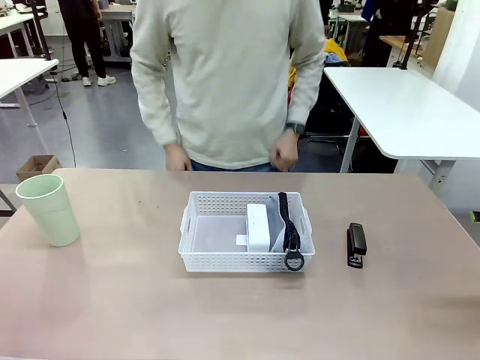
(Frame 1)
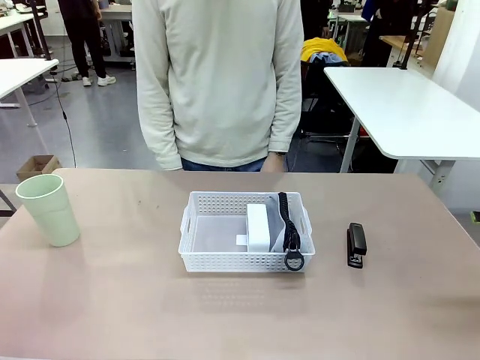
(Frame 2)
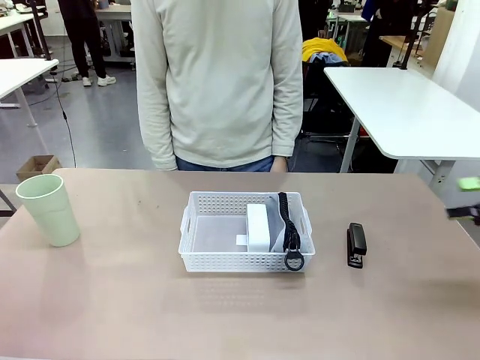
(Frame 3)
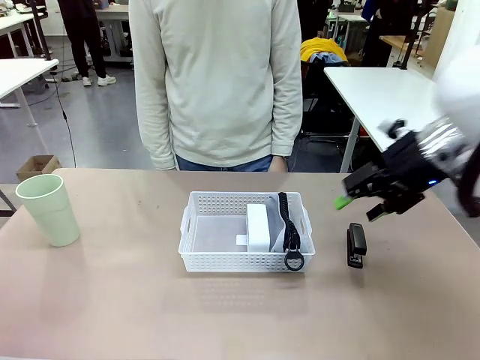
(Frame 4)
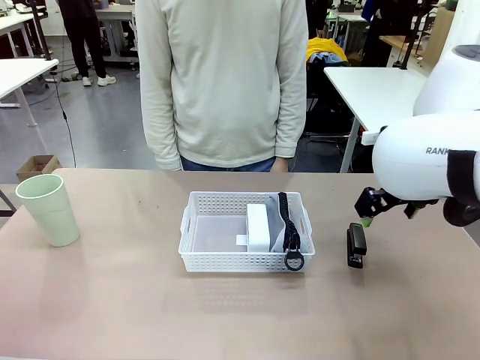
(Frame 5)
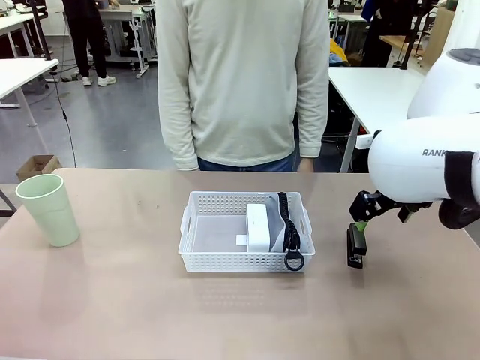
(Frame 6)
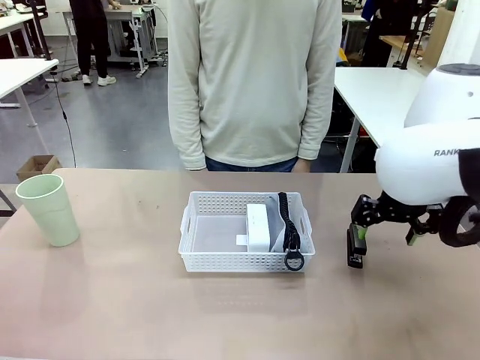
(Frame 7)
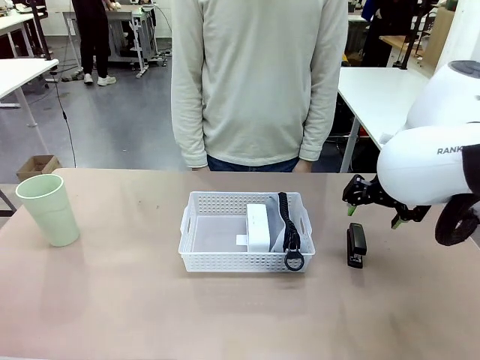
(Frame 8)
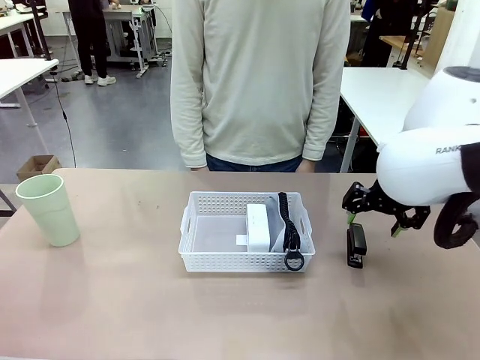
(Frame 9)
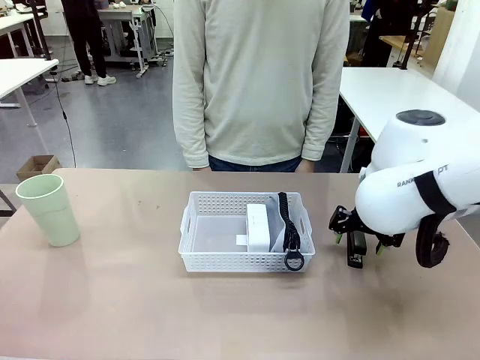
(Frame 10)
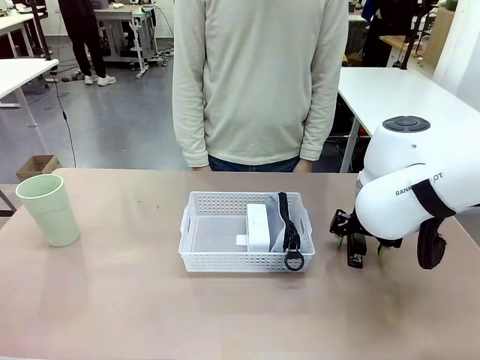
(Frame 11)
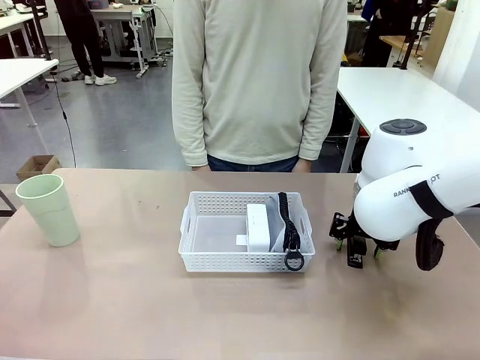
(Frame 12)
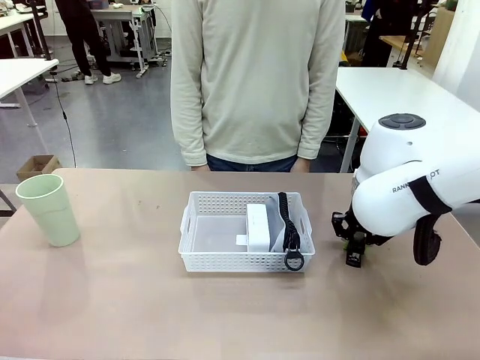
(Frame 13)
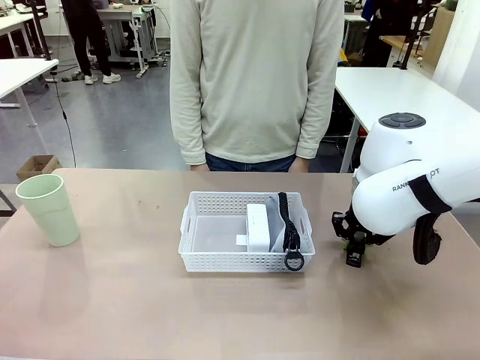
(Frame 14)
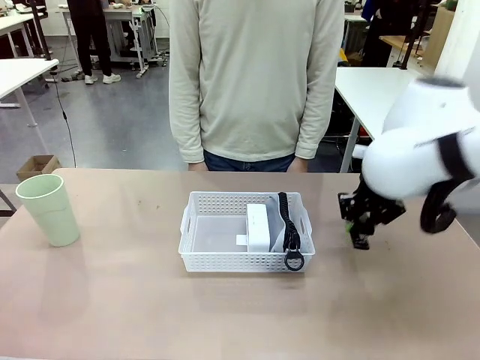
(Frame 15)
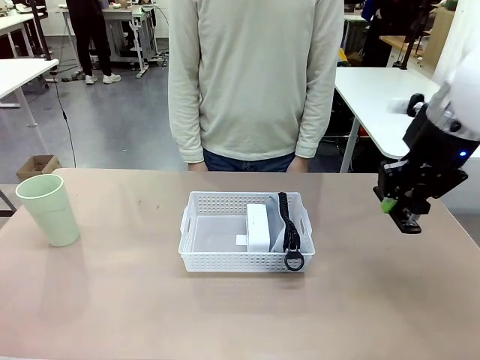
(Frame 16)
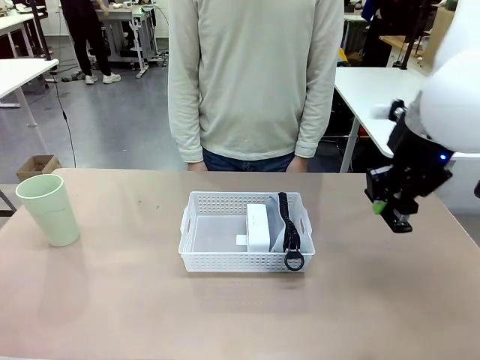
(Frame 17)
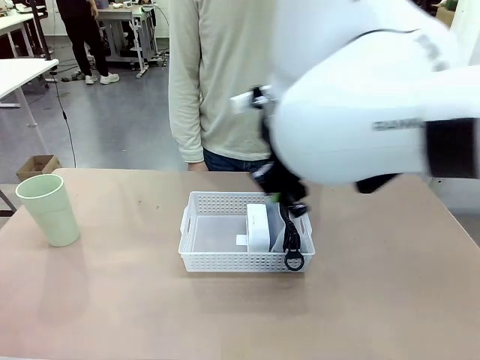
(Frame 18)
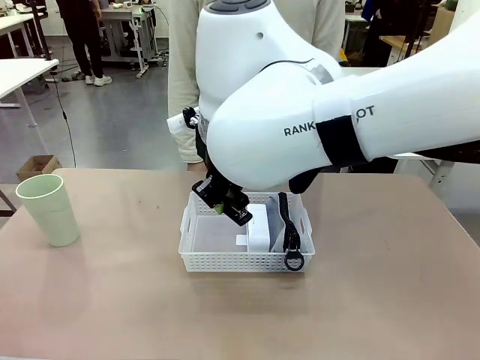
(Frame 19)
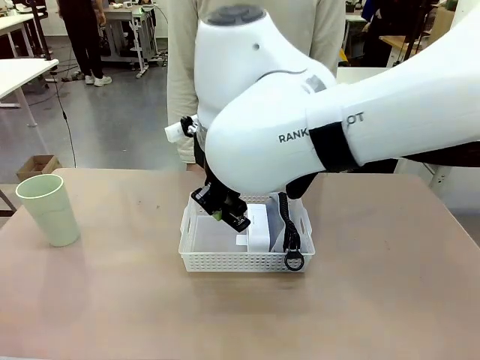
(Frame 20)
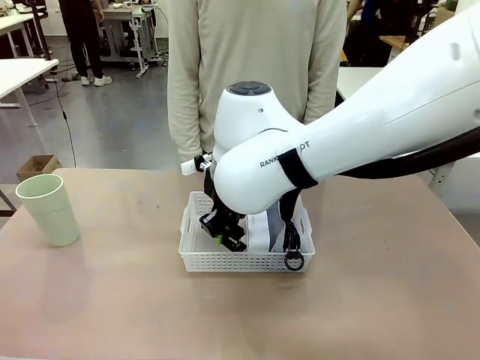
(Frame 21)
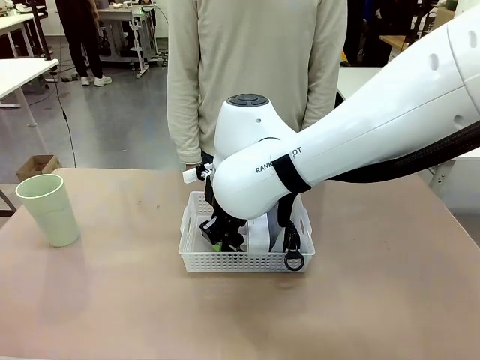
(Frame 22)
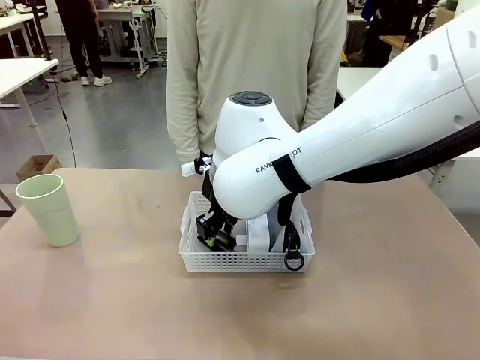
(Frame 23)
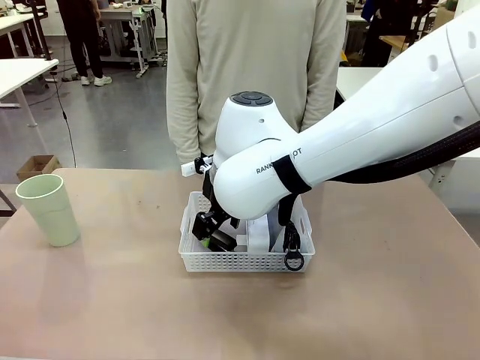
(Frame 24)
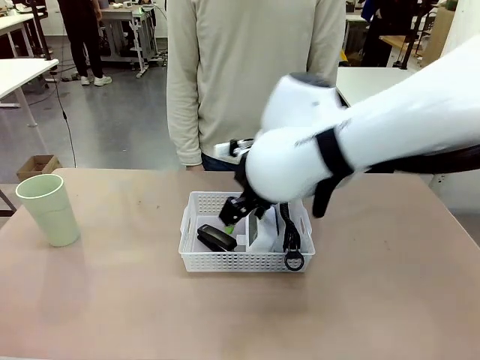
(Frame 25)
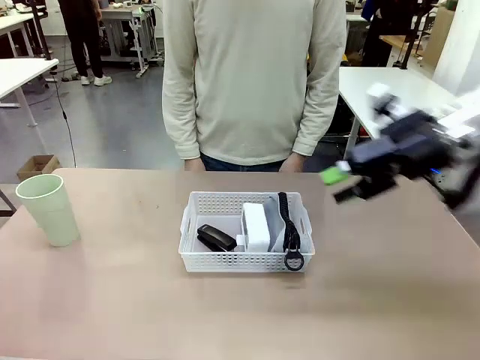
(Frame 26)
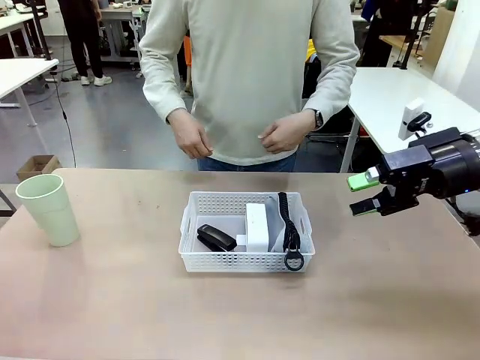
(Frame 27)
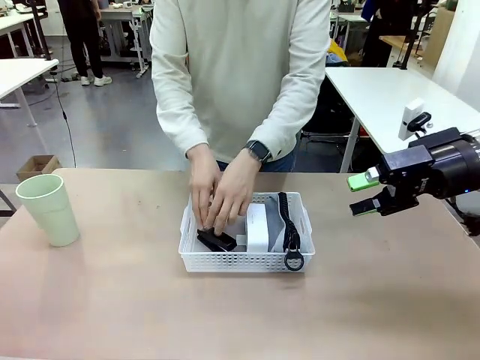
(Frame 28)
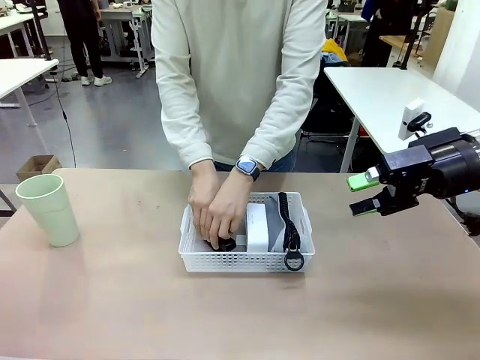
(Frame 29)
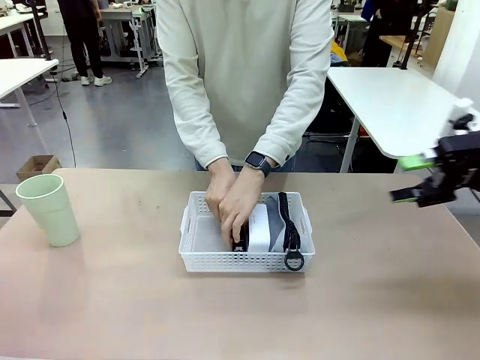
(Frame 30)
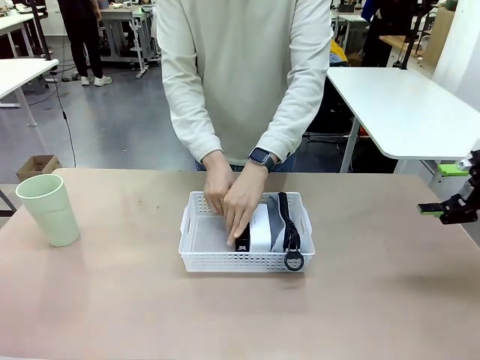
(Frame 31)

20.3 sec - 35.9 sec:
Task: Efficiently arrange items inside the basket to fit them all.
Robot: Pick up the Stapler and place it inside the Organizing basket.
